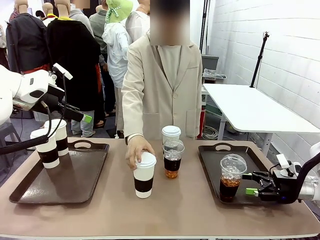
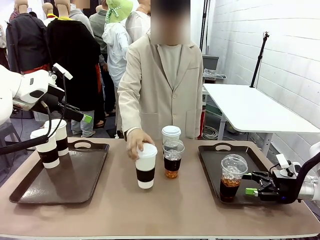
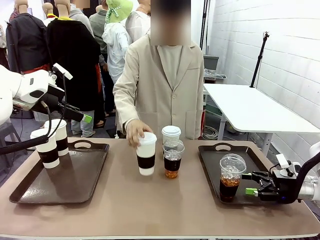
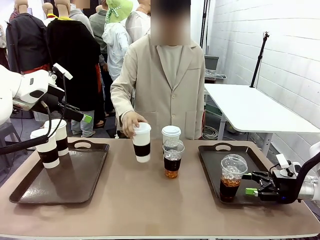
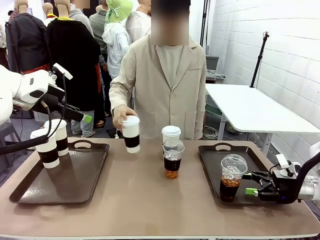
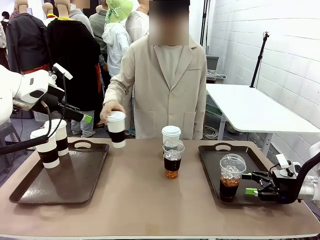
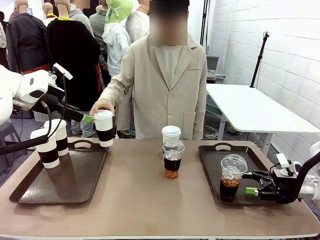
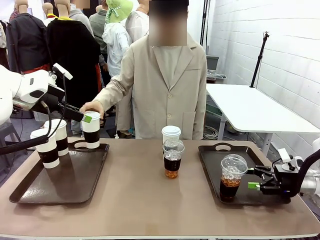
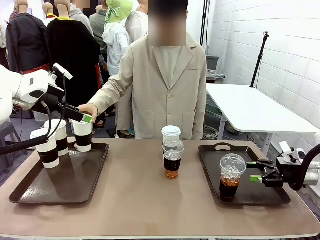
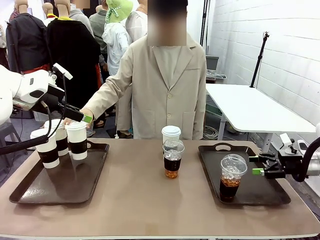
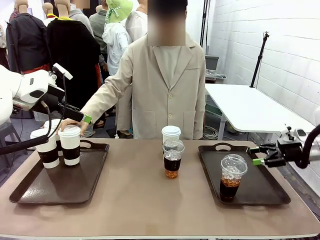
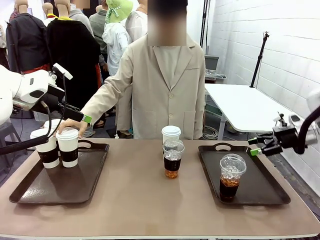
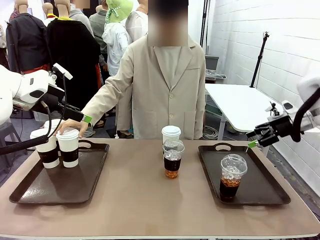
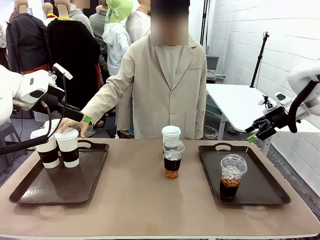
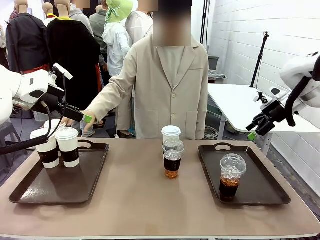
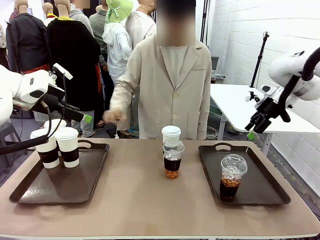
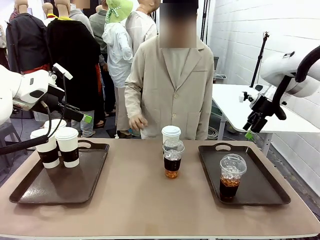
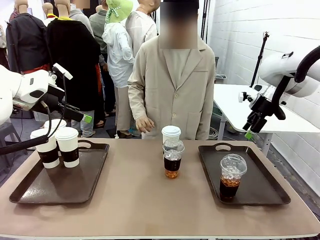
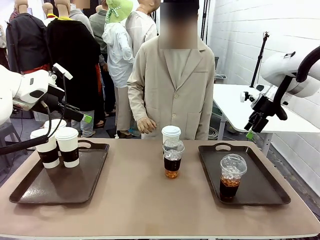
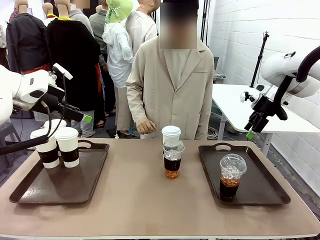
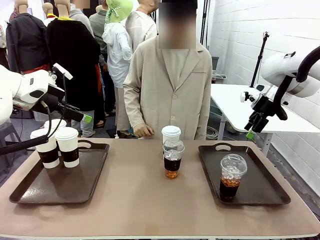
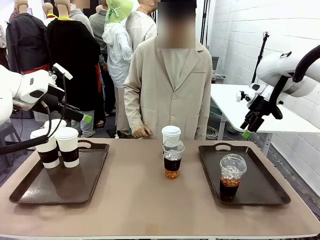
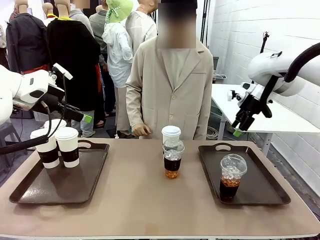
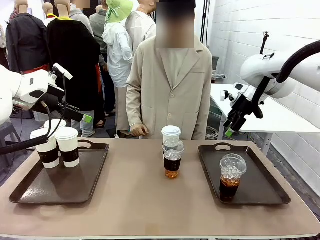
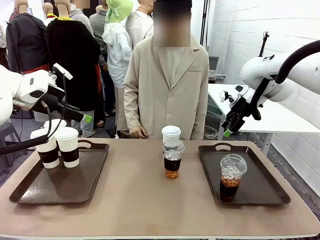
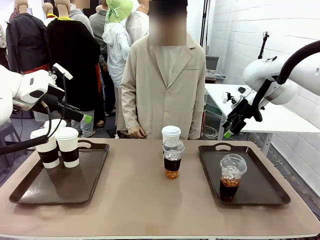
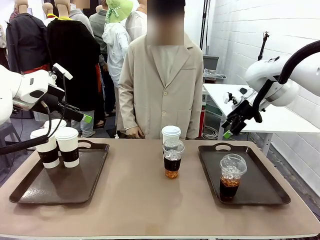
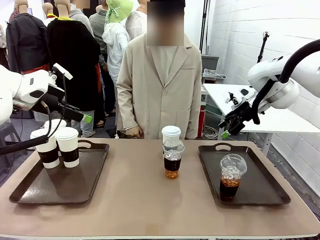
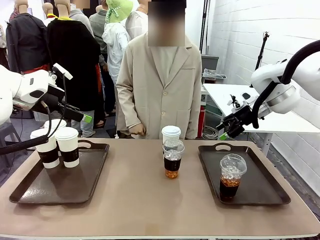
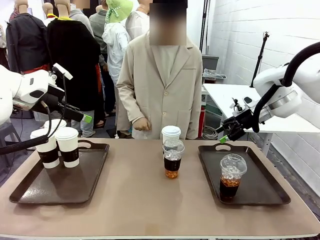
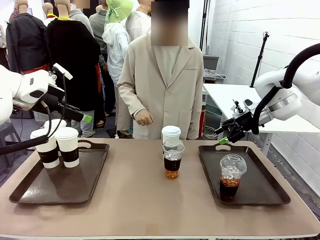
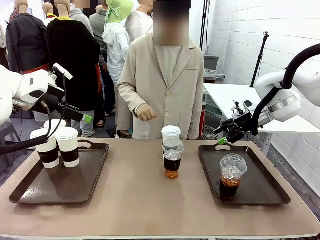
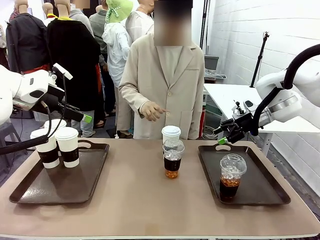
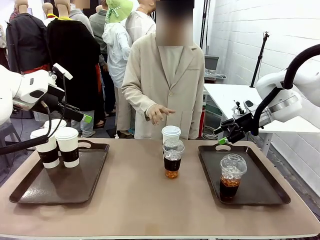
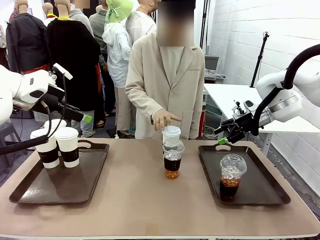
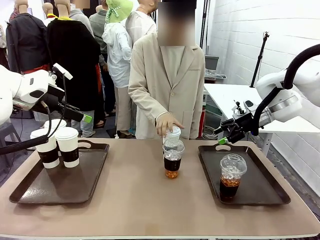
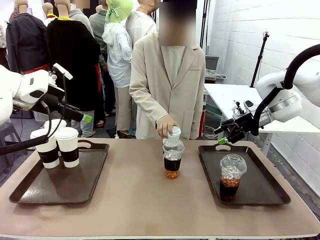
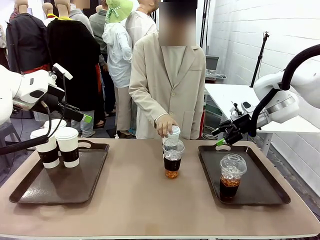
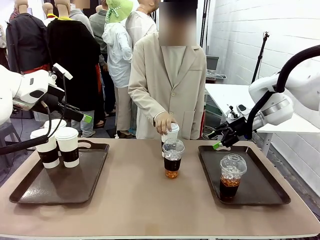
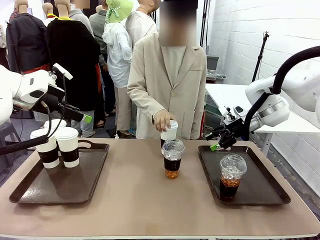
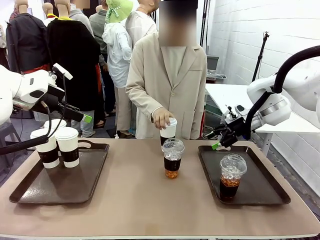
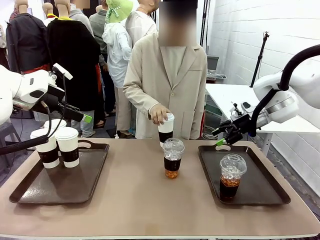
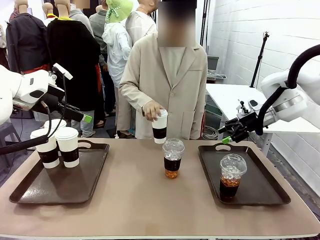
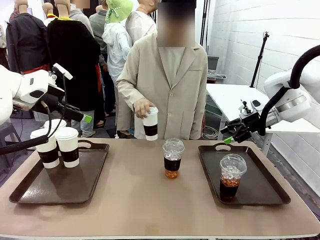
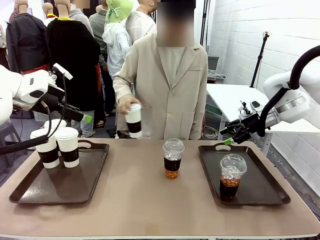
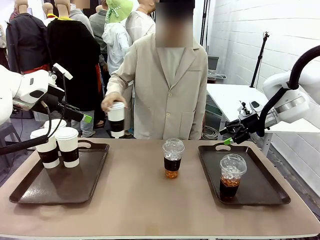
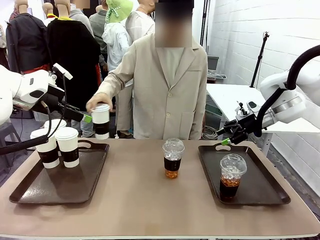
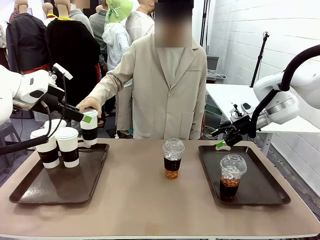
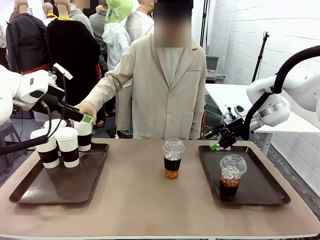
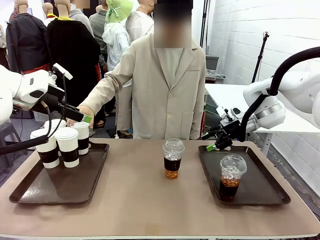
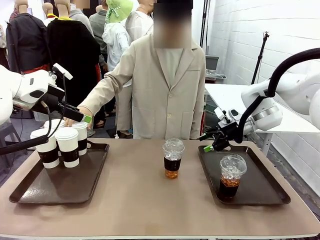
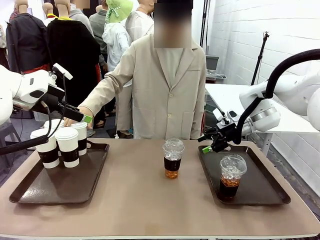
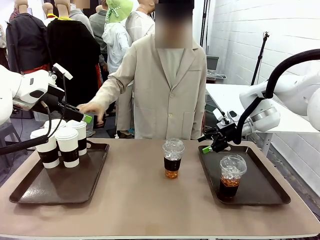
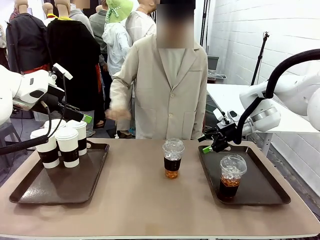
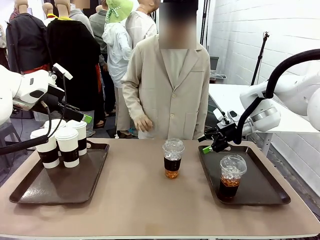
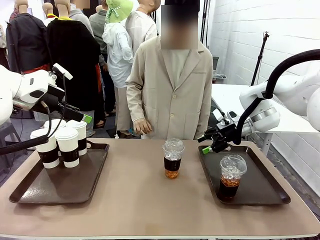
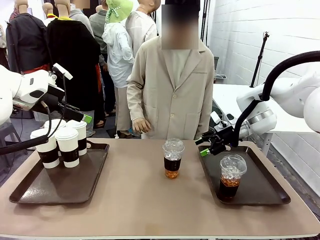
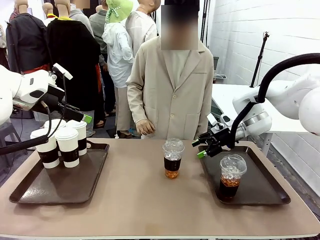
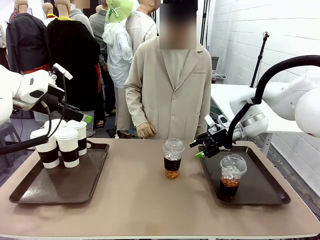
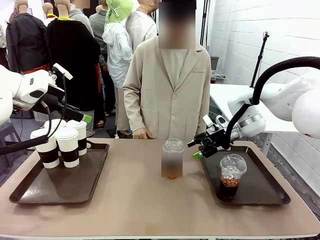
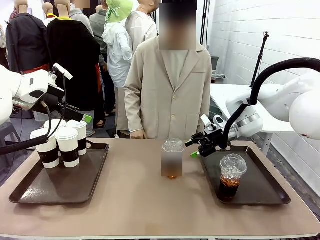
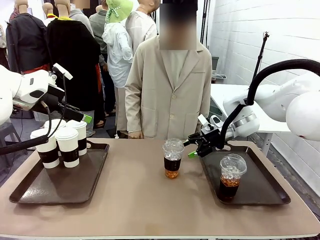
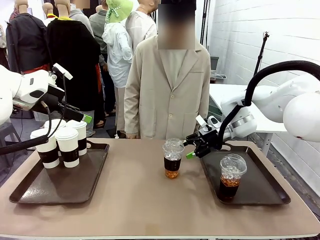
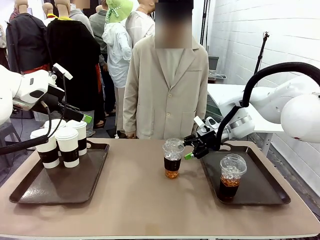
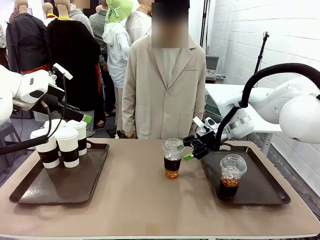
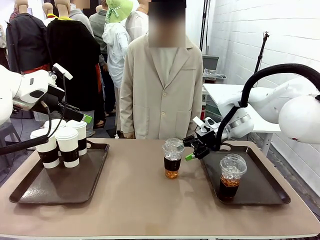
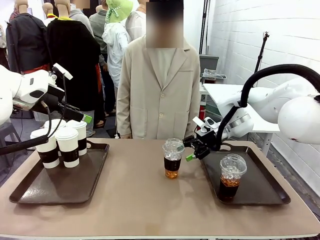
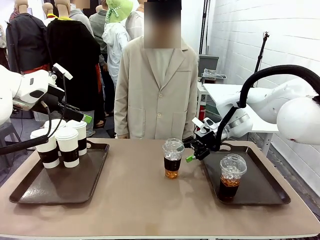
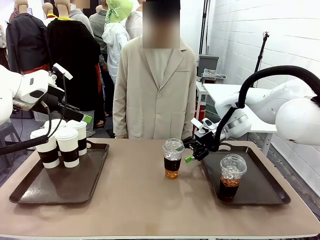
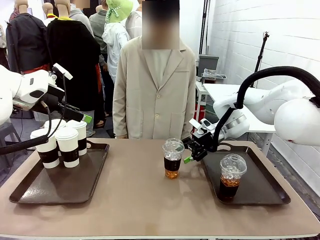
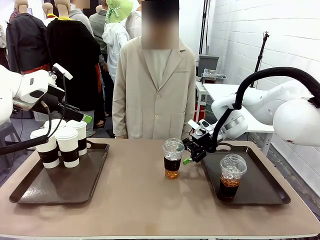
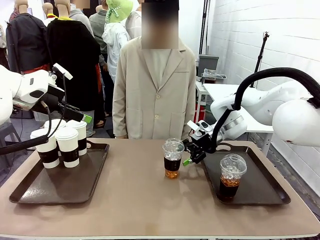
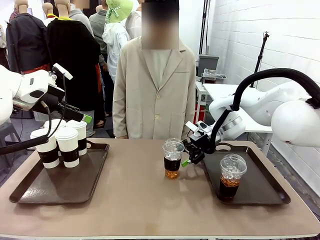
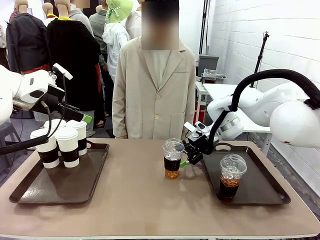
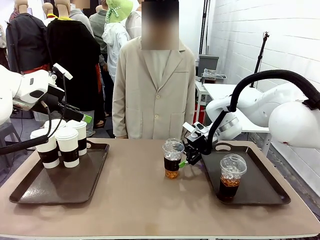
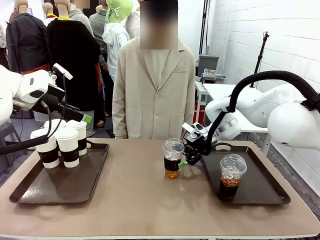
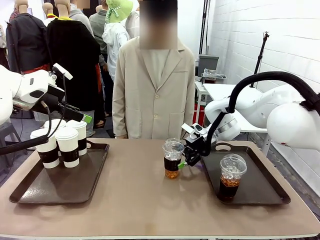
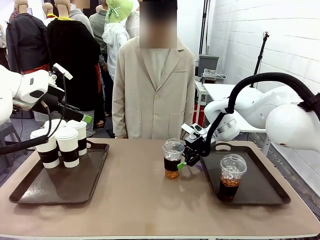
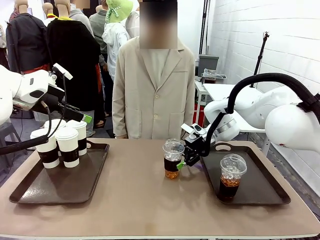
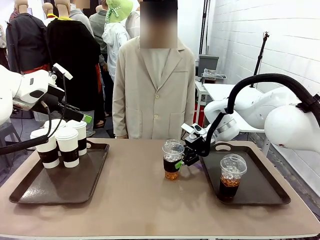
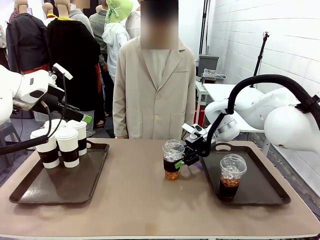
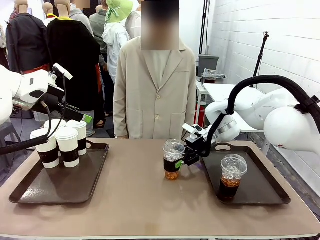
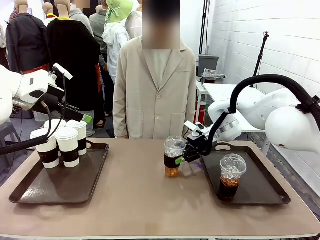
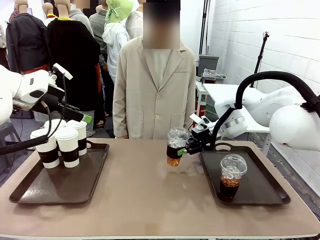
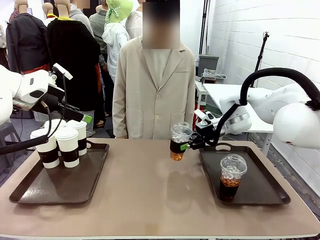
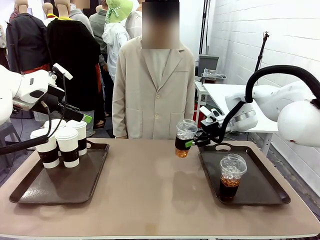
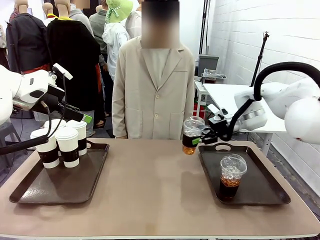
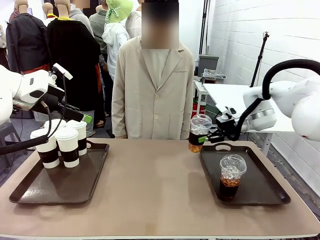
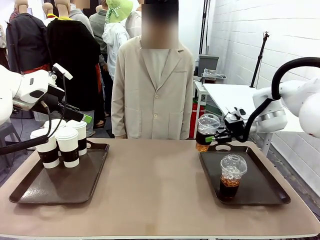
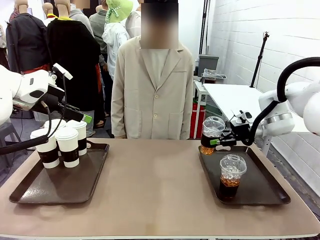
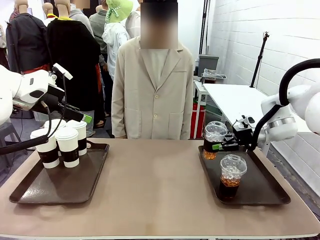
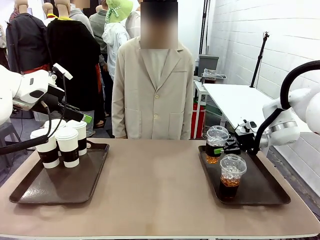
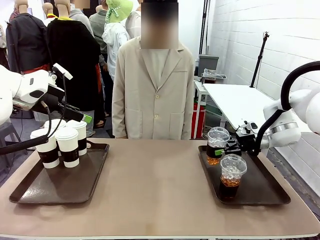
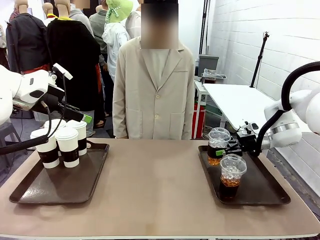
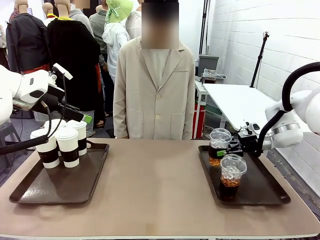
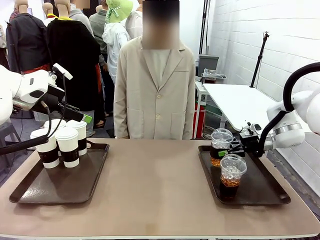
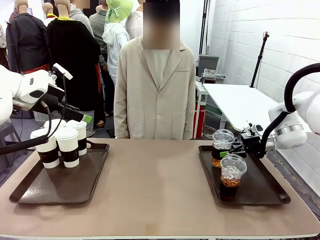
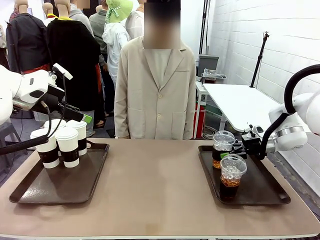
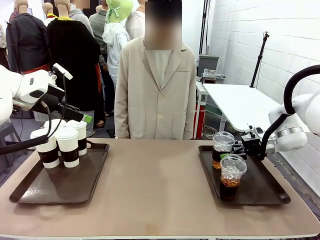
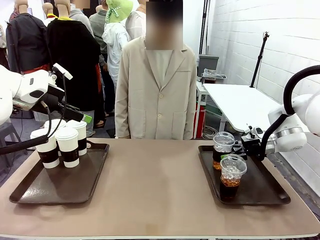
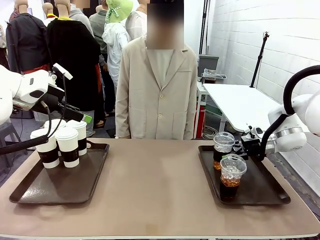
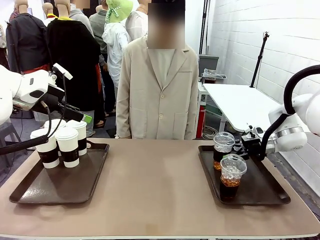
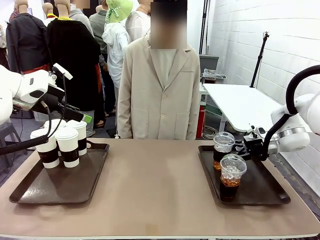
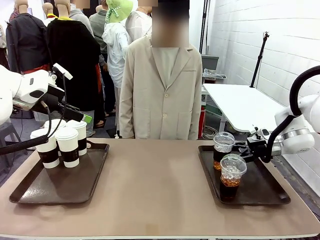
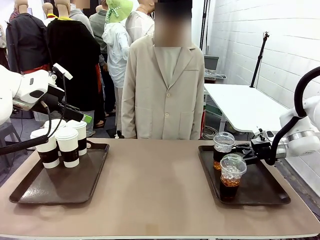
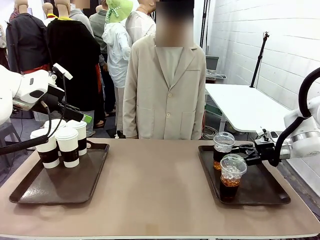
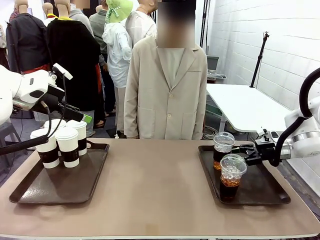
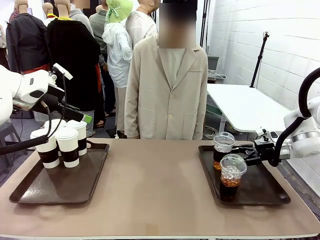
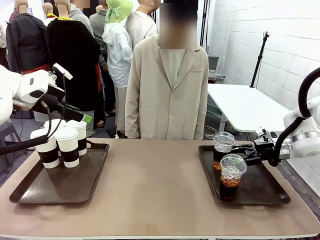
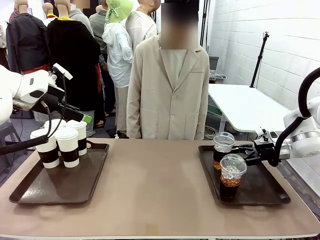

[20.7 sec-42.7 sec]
Task: Distribute the coffee onto the tray.
Robot: Pick up another iced Americano from the middle of the table and place it on the right Handle tray.
Person: Pick up a cup of hot Americano from the middle of the table and place it on the right tray.
